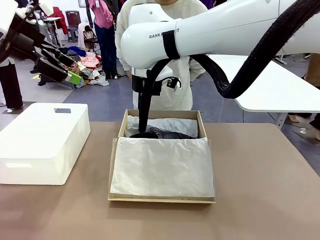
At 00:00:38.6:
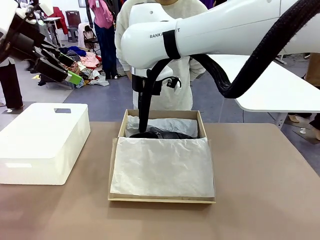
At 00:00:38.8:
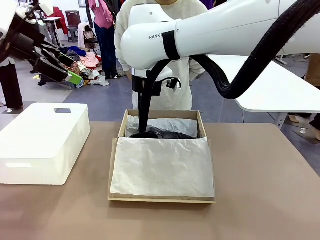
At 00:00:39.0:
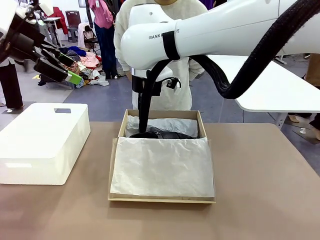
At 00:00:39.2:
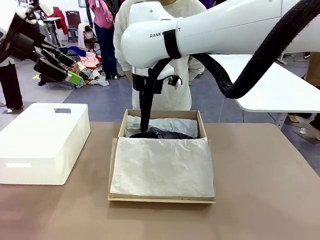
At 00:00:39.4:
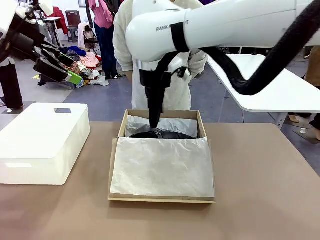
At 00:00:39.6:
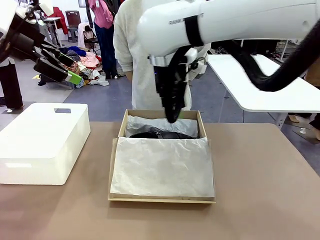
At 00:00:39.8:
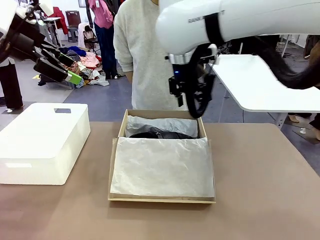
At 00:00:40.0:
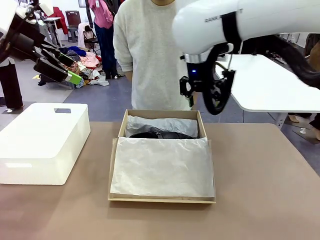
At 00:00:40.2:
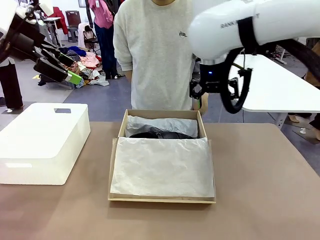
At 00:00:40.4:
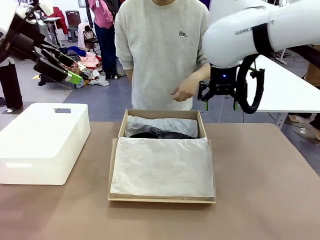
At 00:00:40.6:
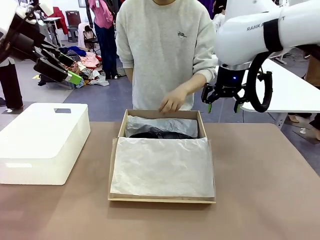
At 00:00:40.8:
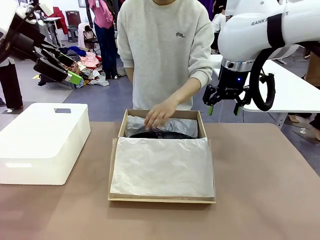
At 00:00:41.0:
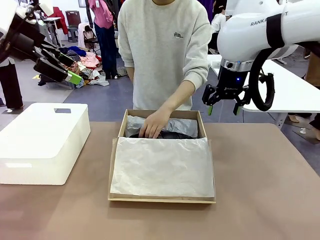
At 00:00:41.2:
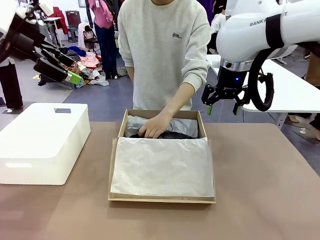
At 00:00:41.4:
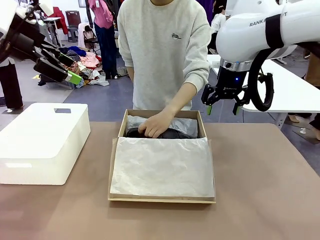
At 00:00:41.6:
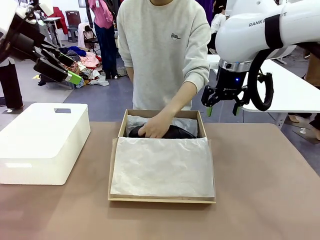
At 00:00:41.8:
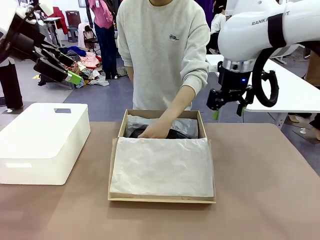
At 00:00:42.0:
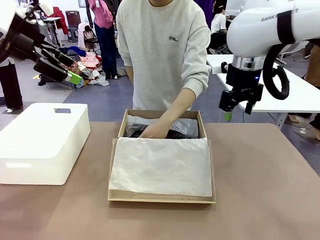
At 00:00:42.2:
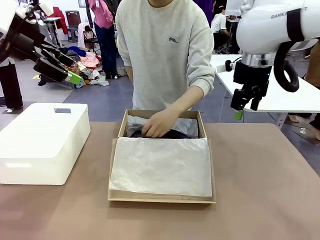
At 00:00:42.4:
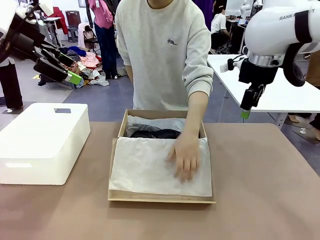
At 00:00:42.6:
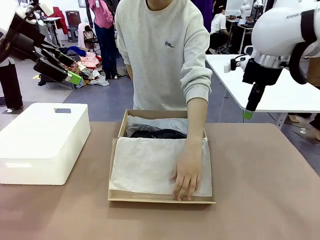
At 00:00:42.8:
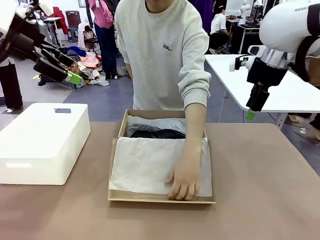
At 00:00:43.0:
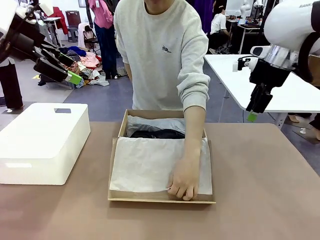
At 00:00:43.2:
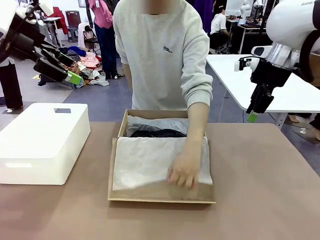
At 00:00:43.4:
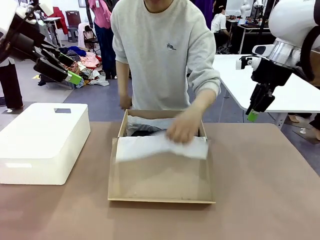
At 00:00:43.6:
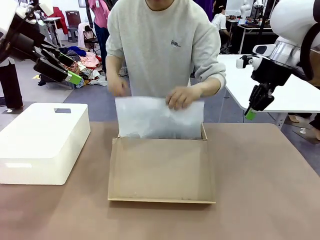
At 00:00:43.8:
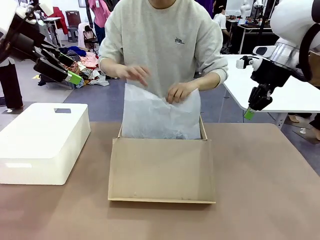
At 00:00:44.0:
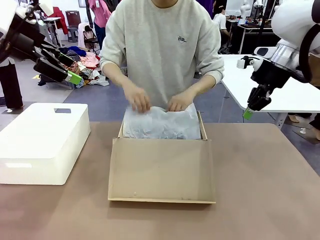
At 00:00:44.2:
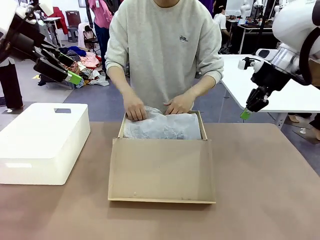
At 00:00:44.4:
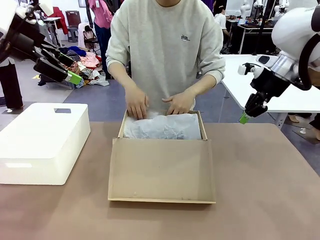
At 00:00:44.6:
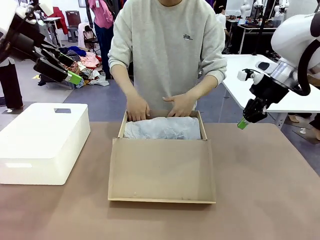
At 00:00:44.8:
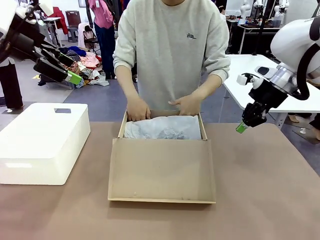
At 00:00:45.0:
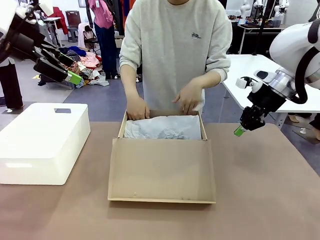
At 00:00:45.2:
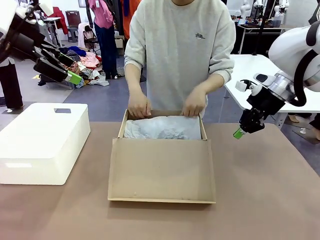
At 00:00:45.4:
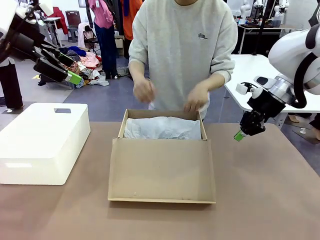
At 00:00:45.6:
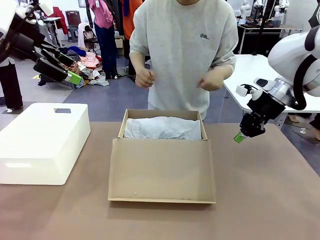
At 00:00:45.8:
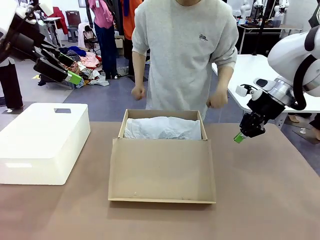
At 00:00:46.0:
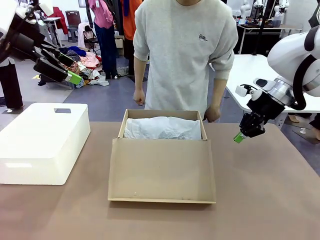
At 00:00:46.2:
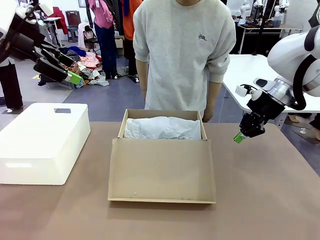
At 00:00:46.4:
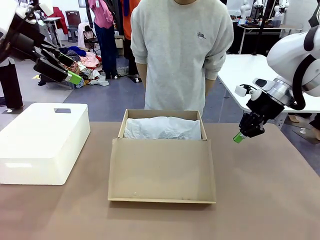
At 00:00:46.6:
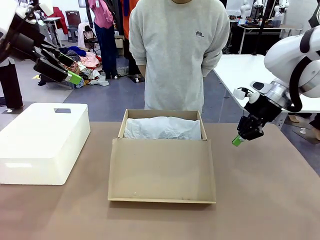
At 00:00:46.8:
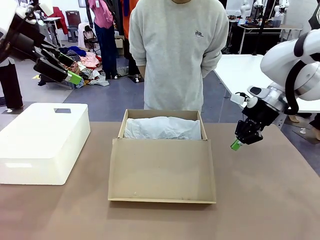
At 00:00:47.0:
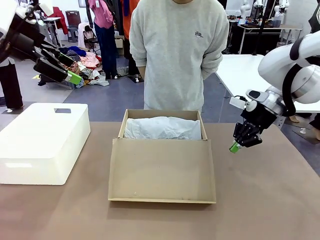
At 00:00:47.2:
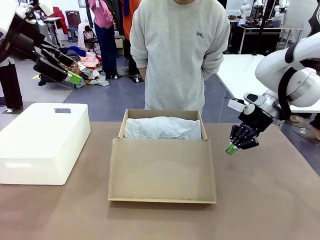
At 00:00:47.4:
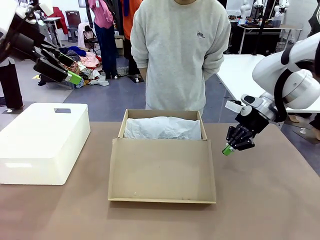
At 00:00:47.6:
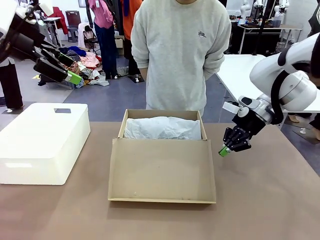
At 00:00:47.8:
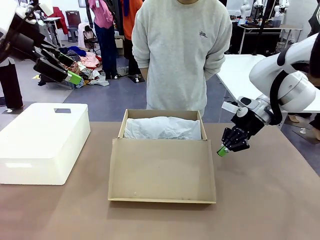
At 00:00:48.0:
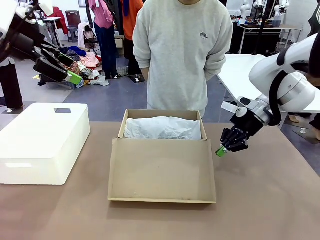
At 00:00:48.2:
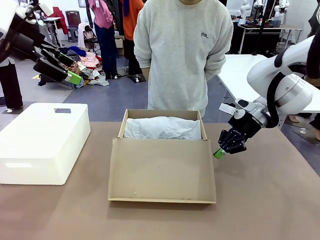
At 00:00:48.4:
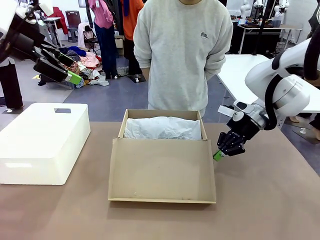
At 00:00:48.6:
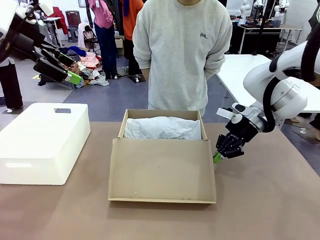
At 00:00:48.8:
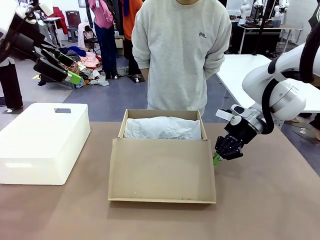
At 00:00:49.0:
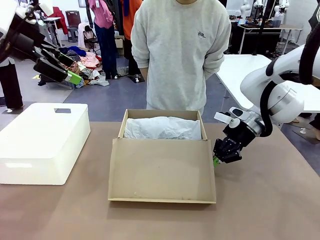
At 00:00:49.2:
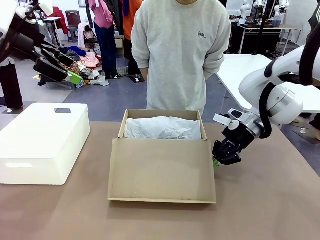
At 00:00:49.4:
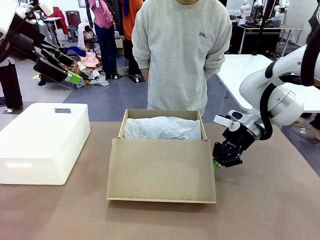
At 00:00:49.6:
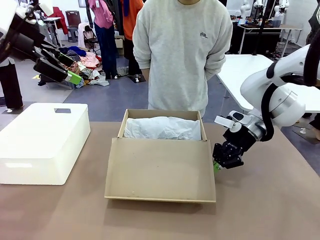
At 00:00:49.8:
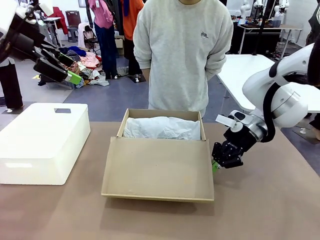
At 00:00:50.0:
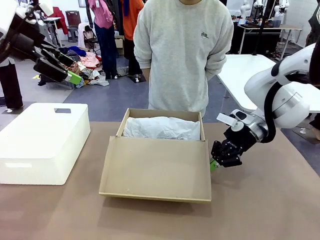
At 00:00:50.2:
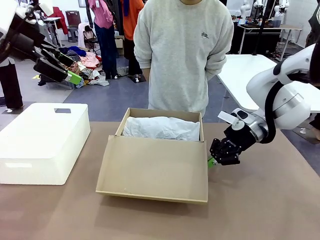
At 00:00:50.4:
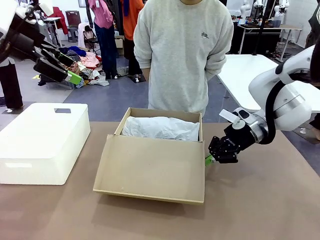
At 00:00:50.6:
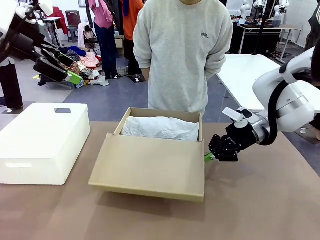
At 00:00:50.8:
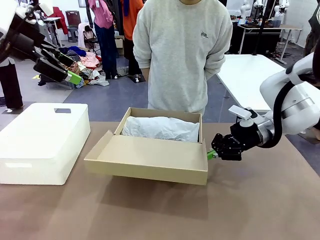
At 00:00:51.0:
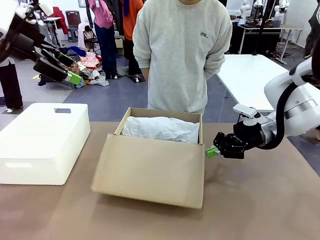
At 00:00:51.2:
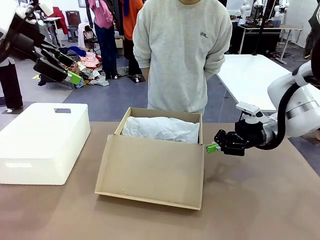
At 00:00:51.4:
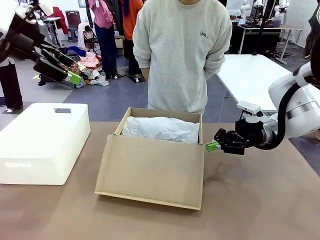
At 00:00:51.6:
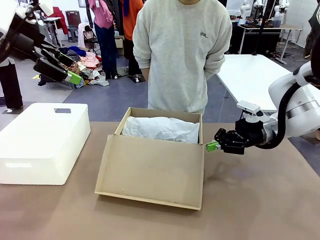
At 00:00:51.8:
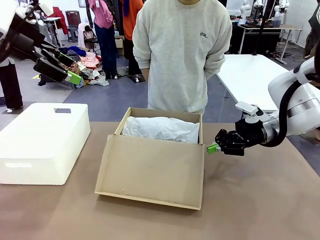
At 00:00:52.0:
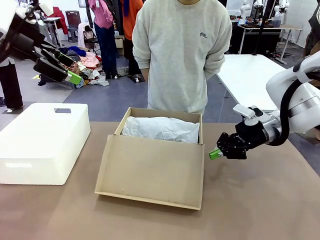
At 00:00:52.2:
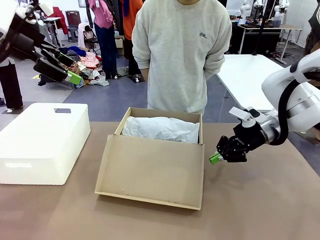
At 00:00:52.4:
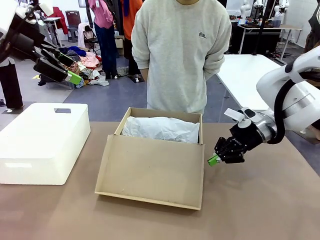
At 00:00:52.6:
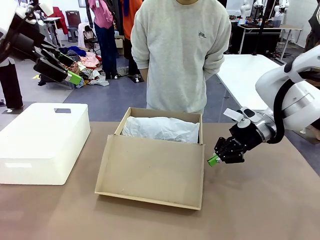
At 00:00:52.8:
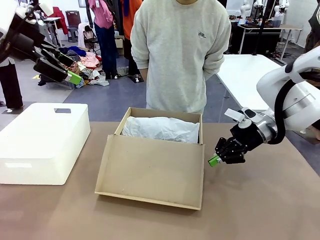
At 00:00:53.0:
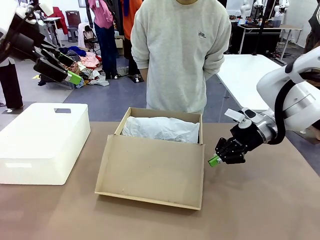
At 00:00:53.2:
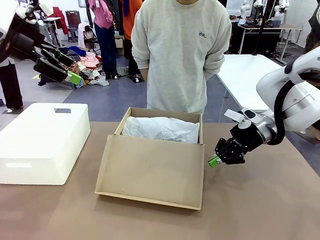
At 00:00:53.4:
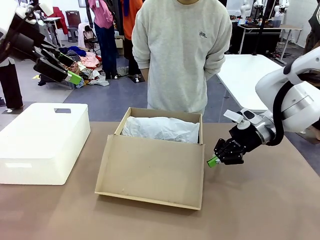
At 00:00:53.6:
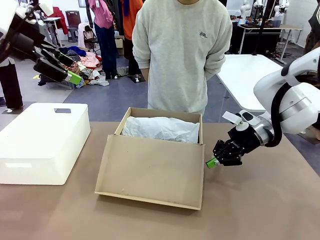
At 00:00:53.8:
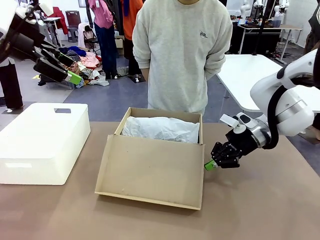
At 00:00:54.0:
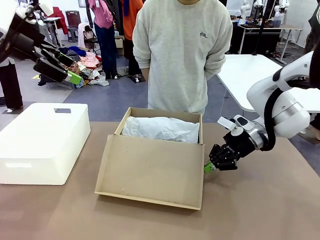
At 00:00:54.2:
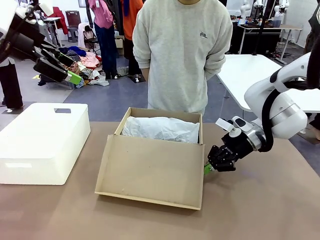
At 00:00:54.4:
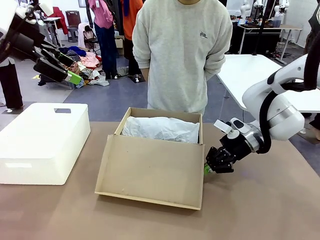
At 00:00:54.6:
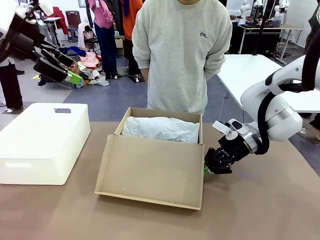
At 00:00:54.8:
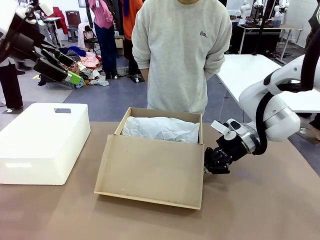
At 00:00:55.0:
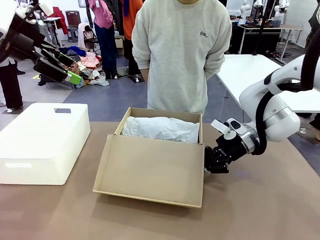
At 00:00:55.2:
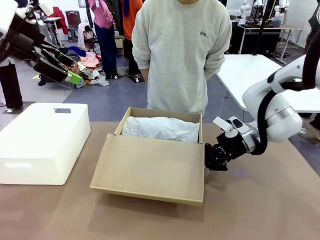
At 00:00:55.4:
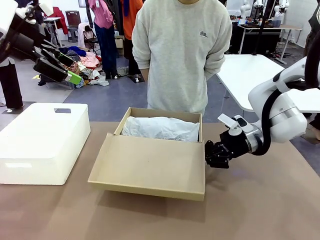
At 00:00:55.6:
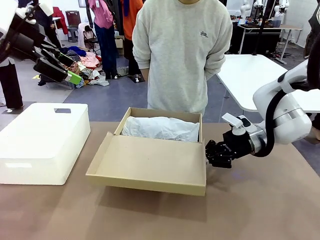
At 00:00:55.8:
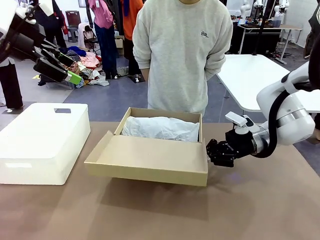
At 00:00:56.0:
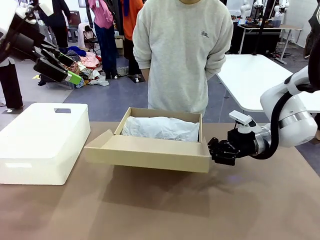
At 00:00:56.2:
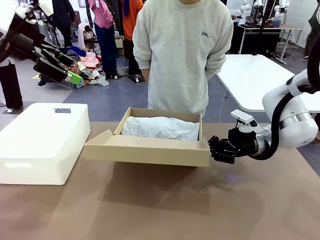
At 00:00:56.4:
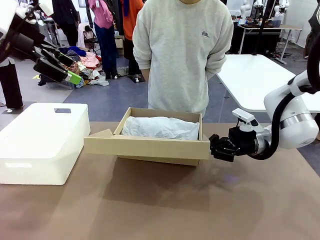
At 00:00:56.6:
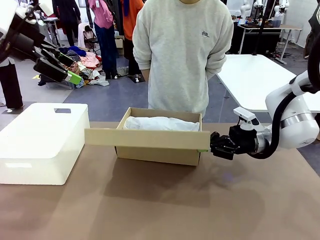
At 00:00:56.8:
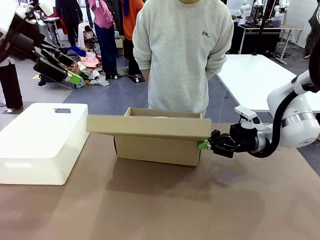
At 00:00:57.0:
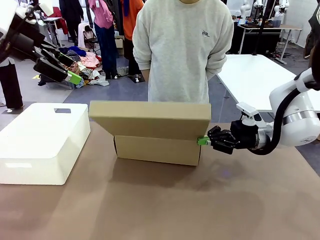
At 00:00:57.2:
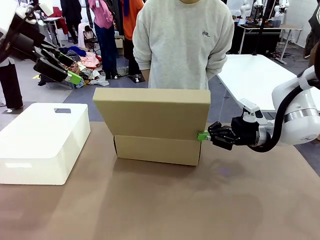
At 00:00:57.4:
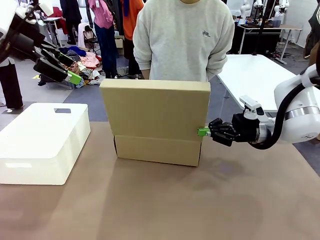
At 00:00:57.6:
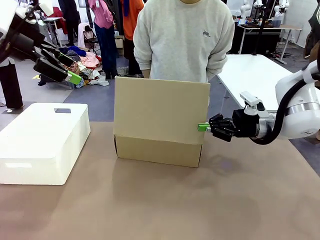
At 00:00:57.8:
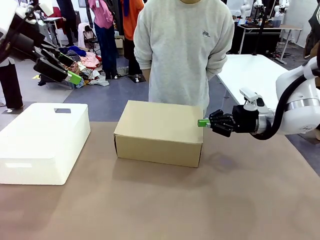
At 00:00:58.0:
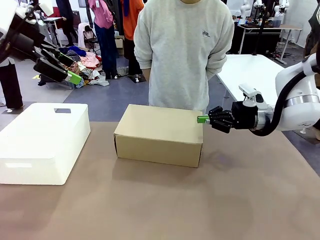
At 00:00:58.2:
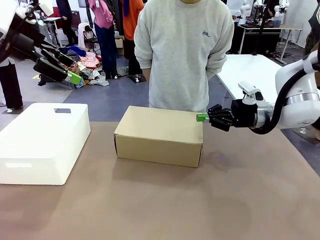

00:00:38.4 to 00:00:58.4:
Task: Pack the shoes into the box.
Robot: Close the Shoes Box.
